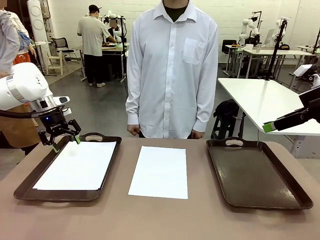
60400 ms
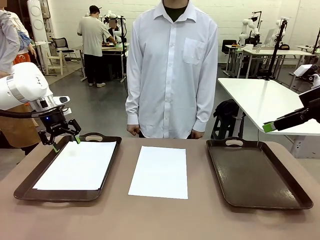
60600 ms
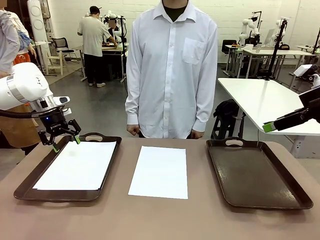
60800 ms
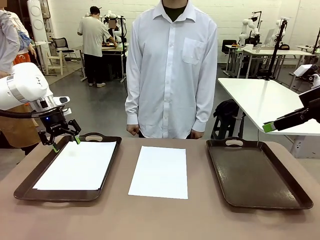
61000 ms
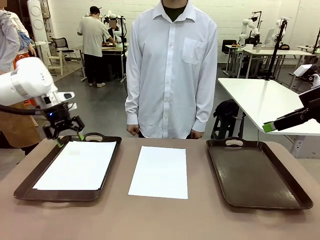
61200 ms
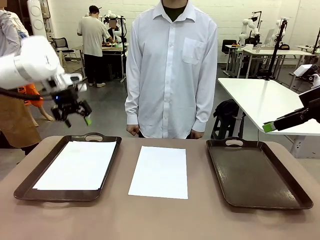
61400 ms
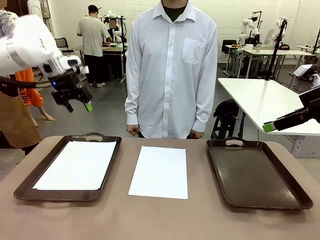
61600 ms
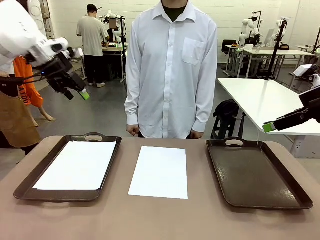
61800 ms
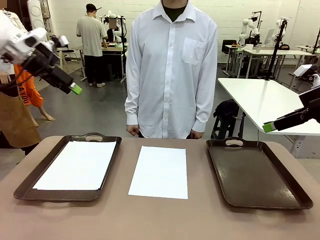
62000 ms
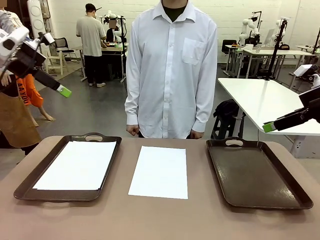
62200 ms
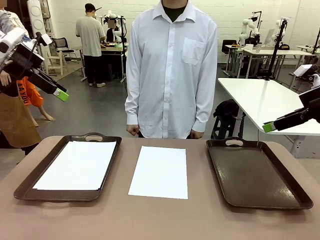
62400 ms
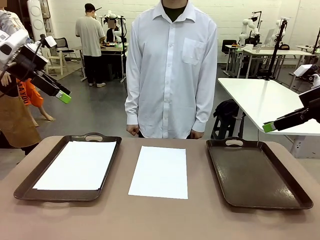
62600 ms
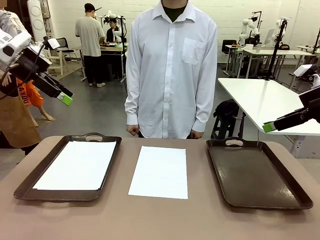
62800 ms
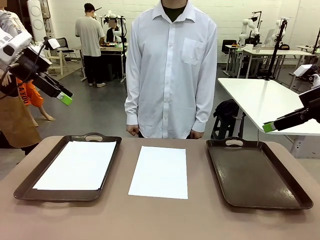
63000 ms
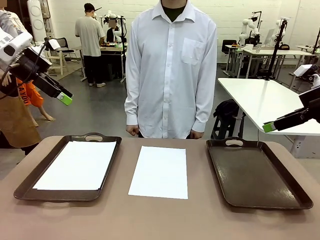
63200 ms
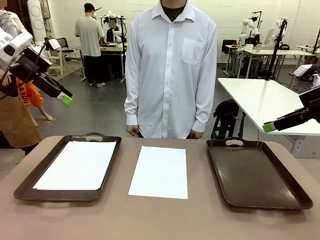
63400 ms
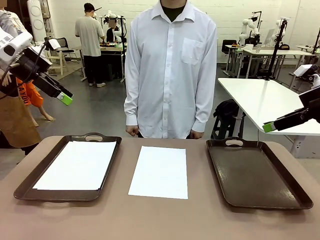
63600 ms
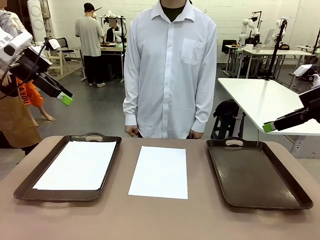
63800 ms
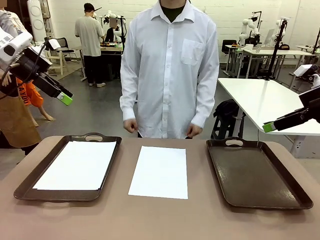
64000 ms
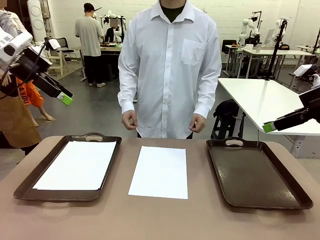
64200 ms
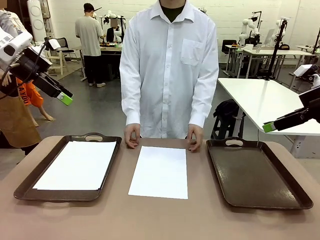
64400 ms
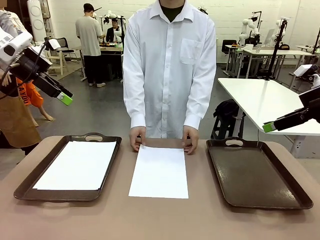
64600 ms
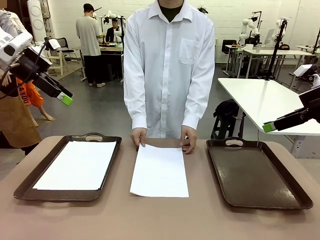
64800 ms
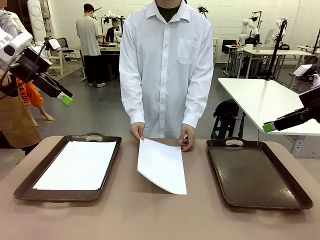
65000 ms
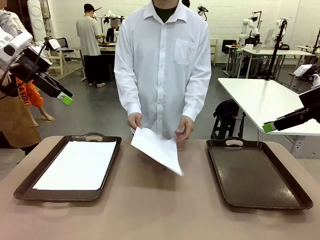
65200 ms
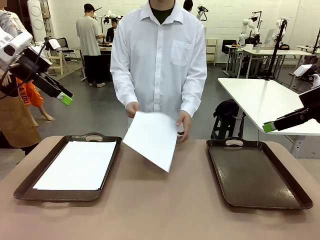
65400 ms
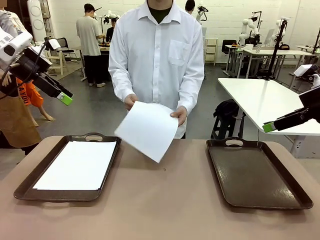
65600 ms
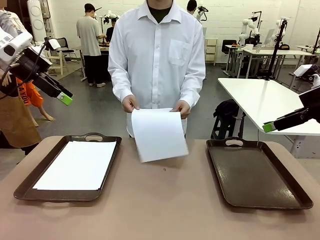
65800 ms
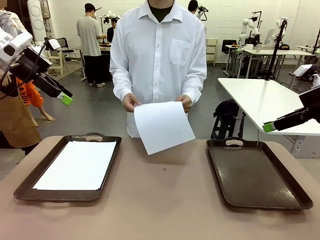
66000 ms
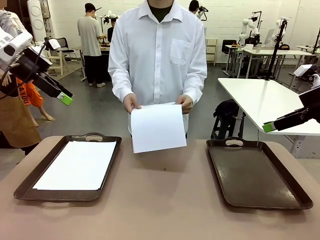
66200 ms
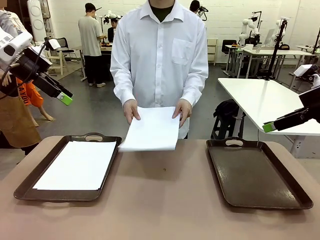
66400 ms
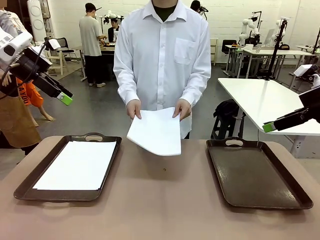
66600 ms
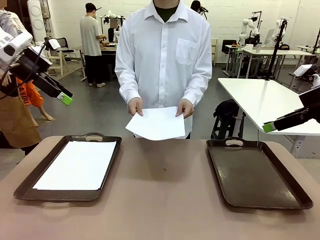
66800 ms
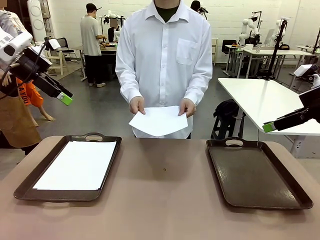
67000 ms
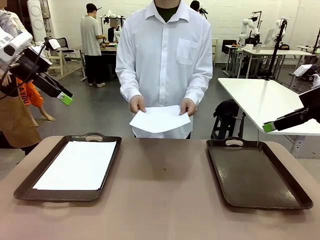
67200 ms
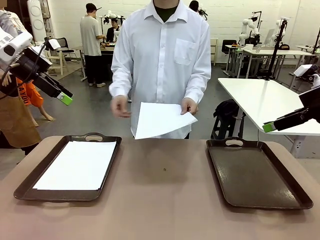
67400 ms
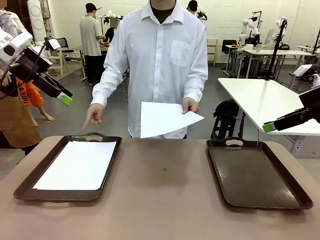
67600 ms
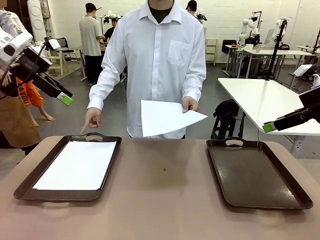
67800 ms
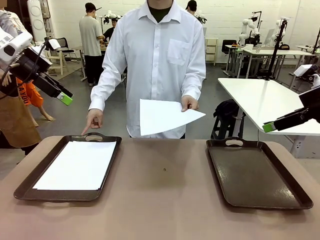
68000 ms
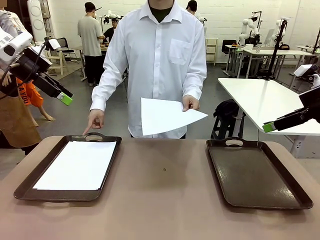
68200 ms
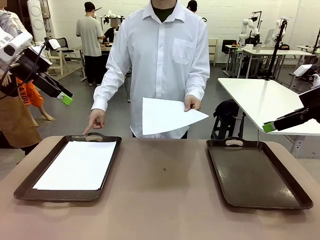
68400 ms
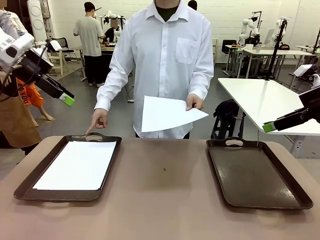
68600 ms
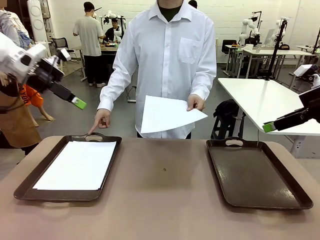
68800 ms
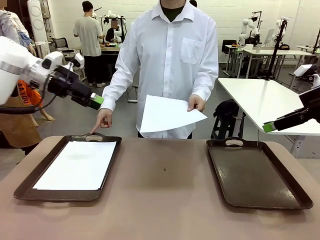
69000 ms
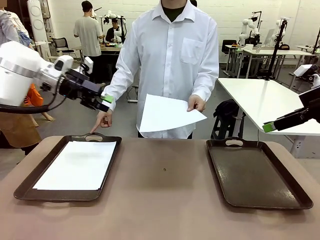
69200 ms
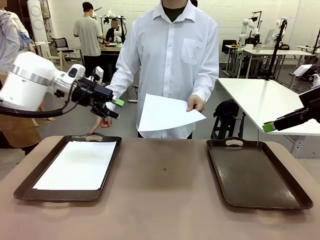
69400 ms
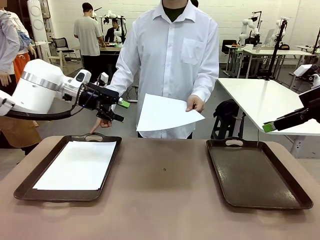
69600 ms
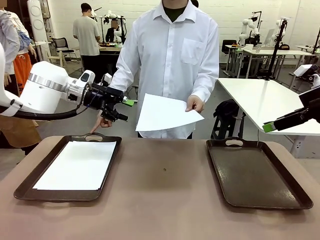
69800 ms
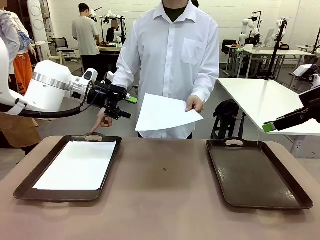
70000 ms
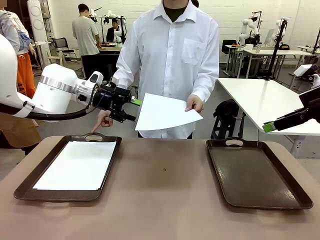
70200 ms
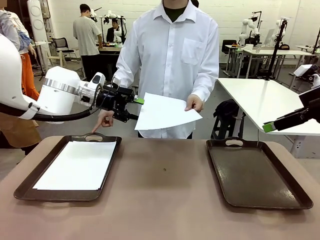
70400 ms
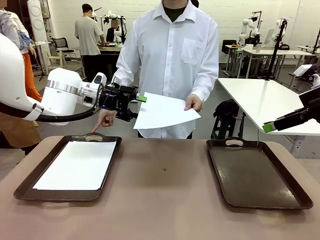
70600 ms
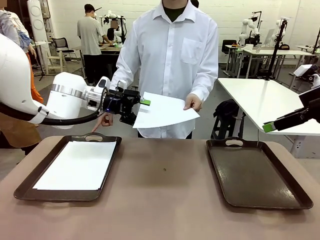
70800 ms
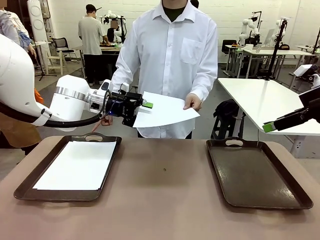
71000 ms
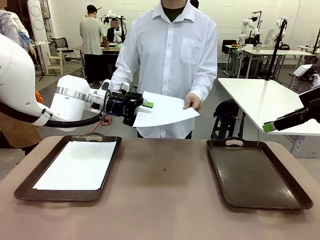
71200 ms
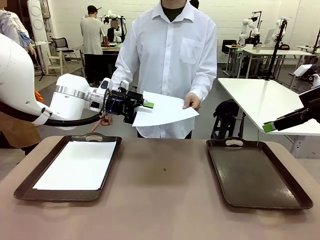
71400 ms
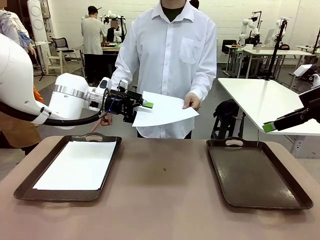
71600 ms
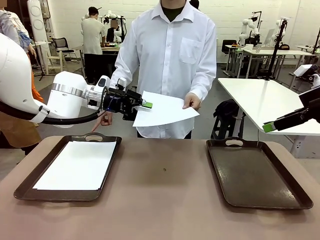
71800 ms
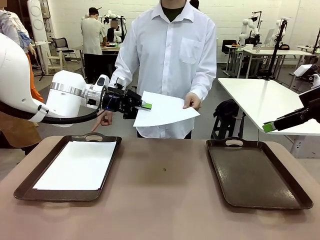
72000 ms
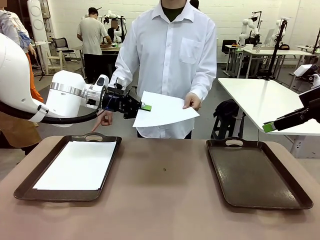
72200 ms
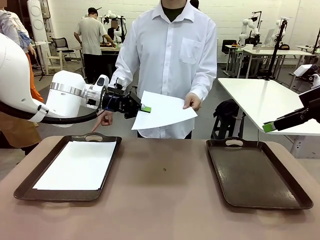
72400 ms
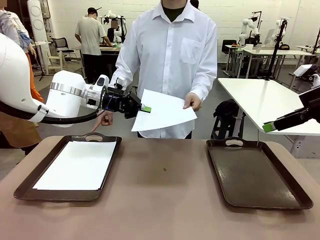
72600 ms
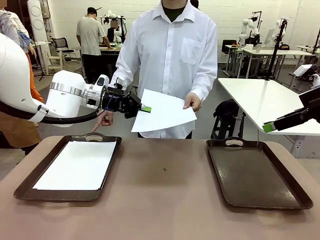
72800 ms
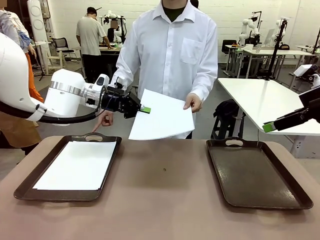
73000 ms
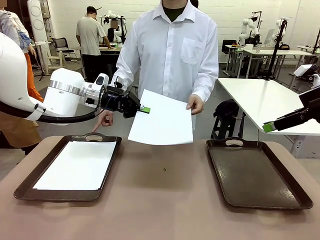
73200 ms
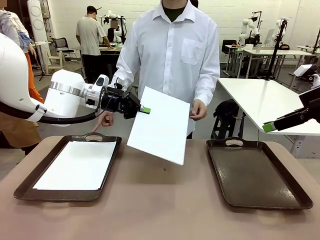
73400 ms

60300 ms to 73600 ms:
Task: Sort the A4 documents.
Robot: Receive the A4 Paper.
Person: Point the randomly selected tray with the other hand.

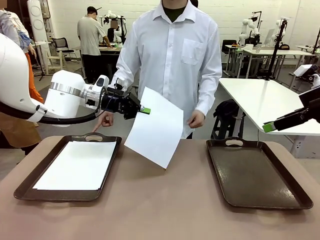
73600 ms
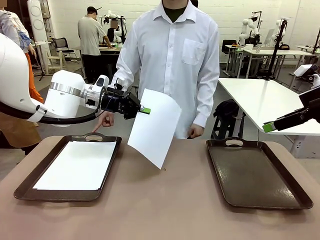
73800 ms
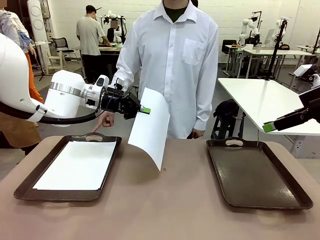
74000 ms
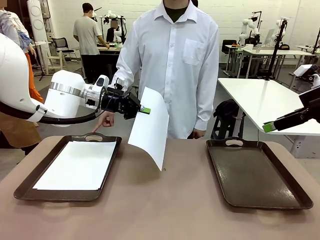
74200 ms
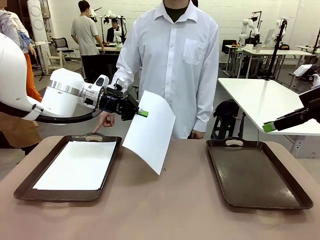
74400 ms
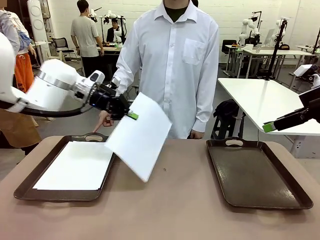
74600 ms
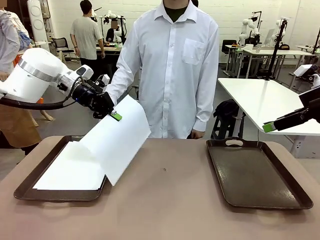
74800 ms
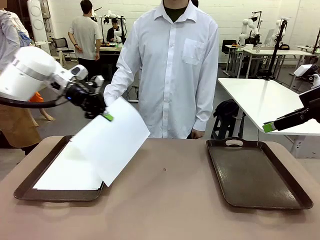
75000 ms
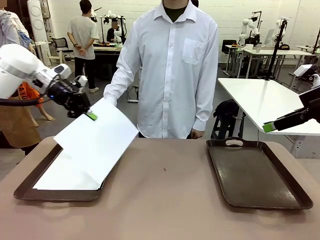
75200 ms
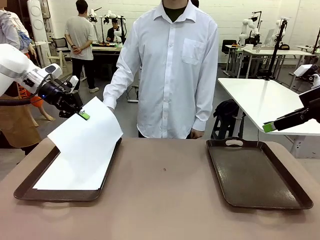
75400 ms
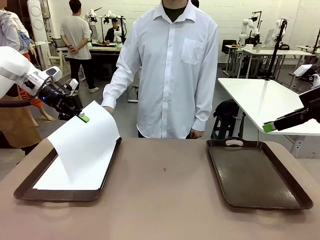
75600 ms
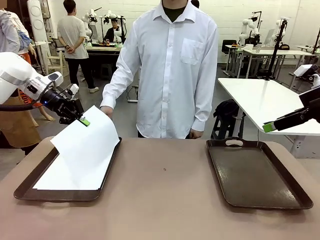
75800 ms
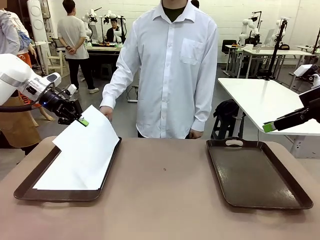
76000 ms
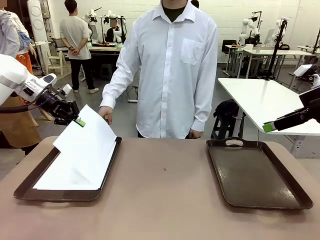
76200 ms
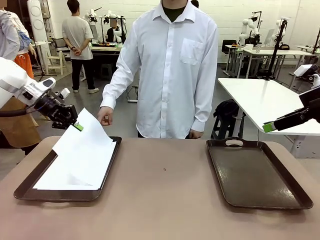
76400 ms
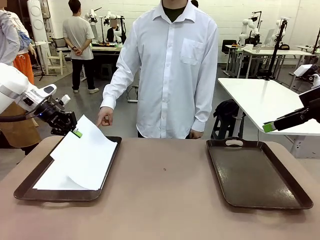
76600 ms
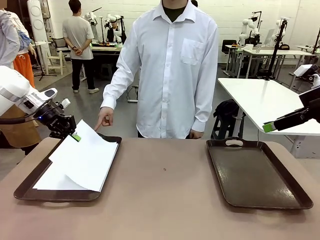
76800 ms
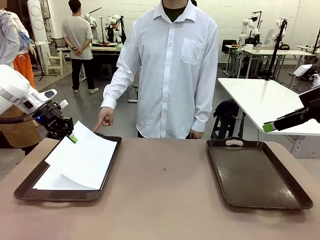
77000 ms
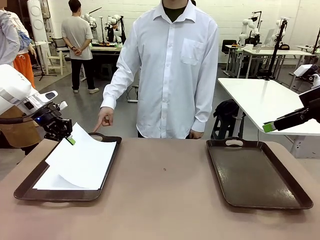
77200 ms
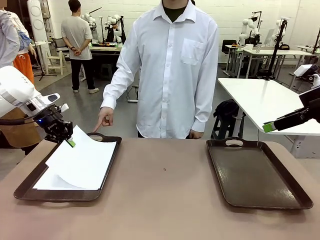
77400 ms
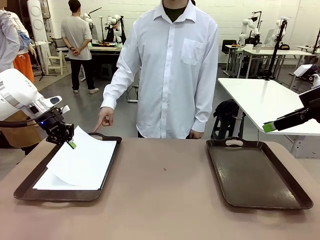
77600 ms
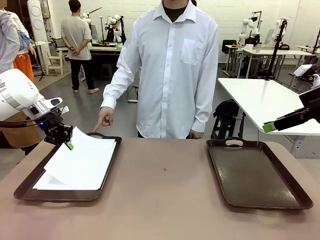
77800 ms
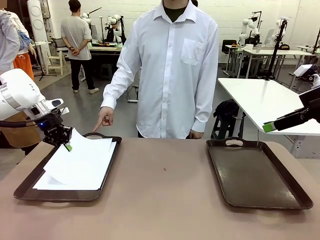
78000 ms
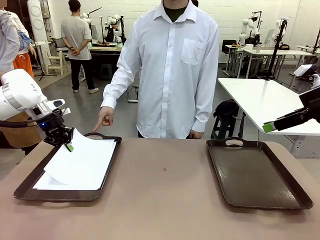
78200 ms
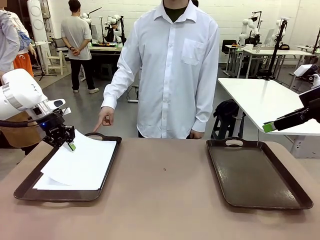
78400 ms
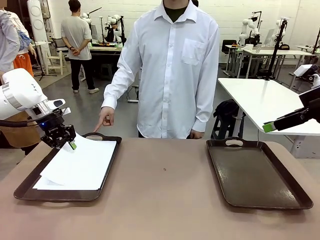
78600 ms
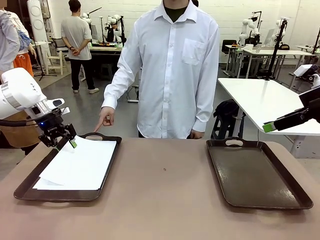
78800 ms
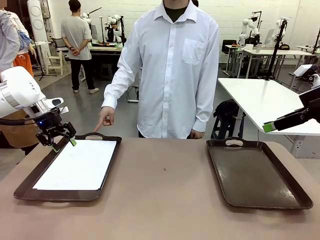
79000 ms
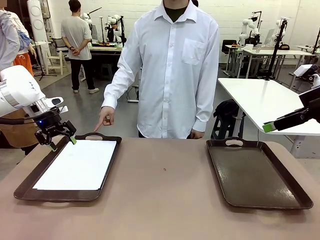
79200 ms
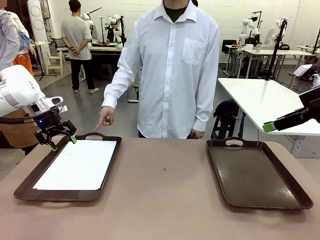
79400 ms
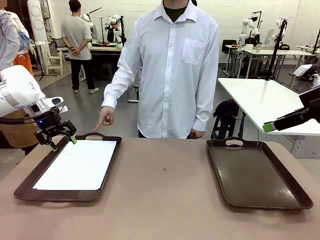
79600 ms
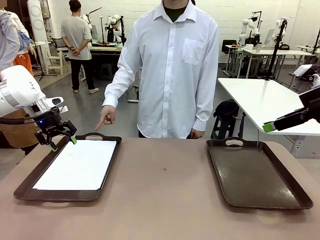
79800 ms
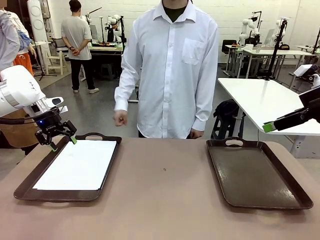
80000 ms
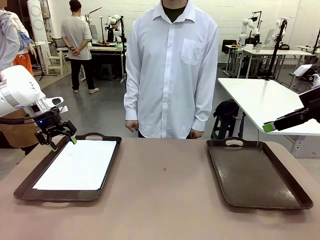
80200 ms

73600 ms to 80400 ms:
Robot: Place the A4 Paper in the designated Handle tray.
